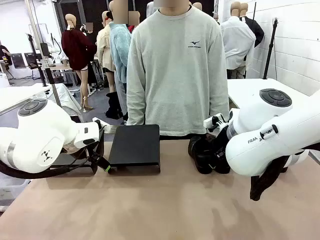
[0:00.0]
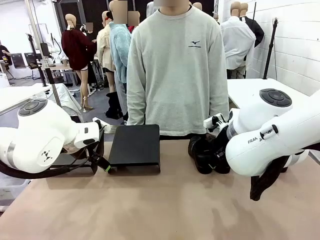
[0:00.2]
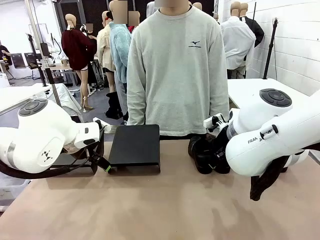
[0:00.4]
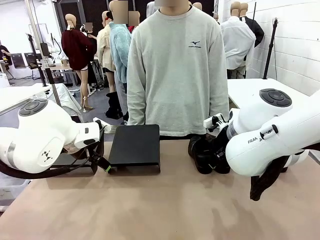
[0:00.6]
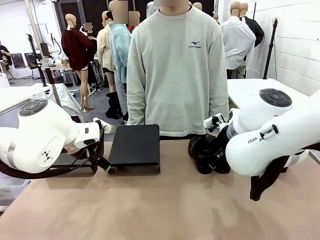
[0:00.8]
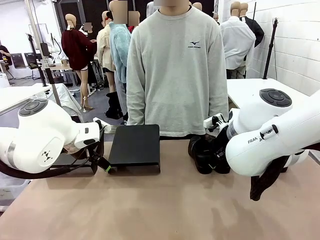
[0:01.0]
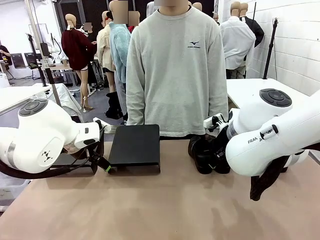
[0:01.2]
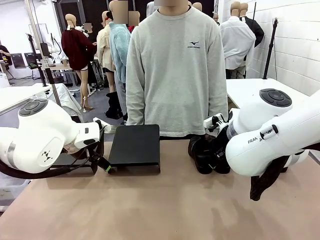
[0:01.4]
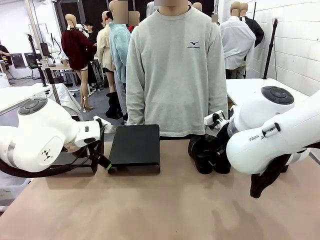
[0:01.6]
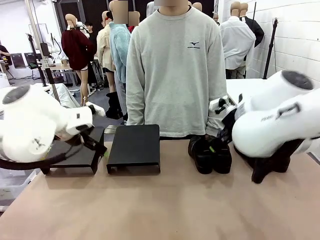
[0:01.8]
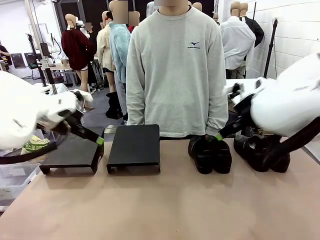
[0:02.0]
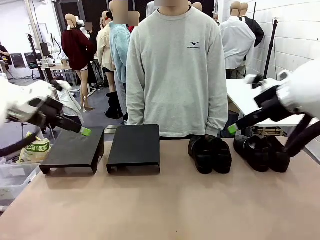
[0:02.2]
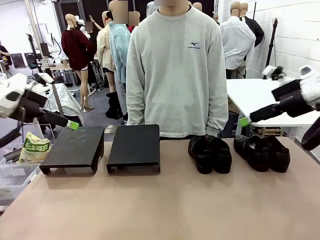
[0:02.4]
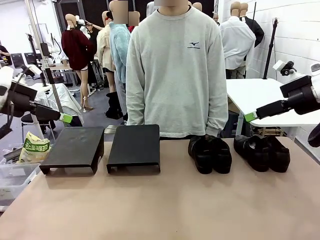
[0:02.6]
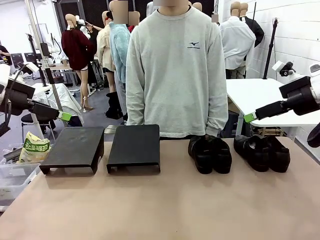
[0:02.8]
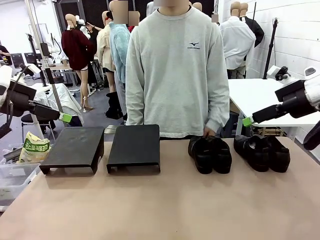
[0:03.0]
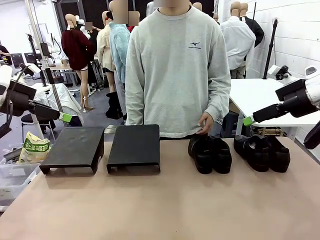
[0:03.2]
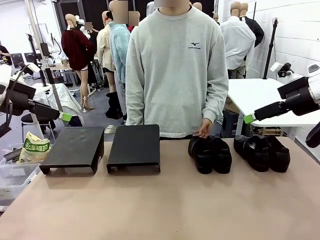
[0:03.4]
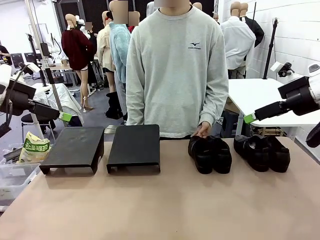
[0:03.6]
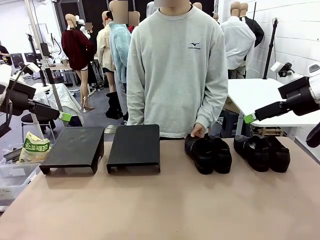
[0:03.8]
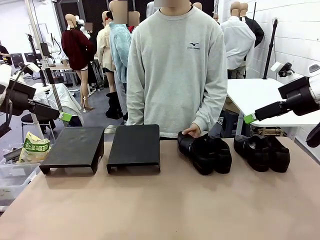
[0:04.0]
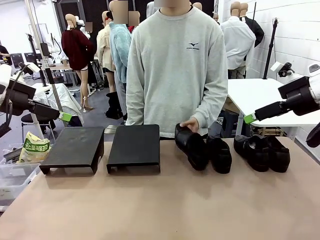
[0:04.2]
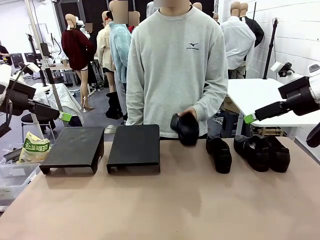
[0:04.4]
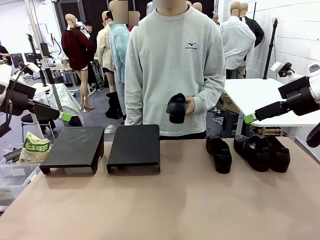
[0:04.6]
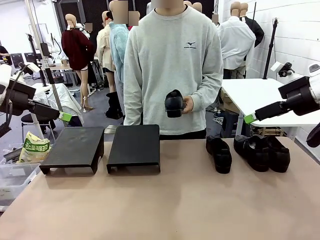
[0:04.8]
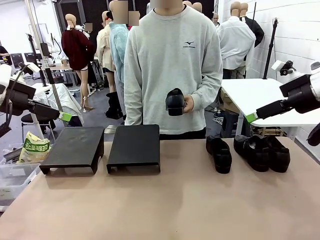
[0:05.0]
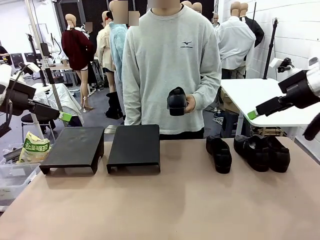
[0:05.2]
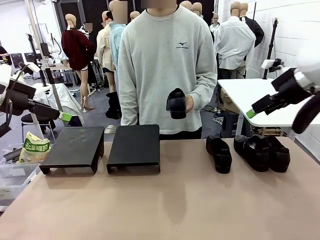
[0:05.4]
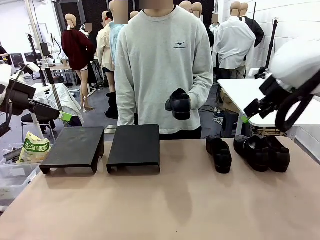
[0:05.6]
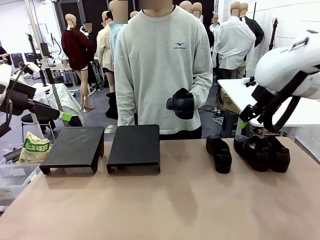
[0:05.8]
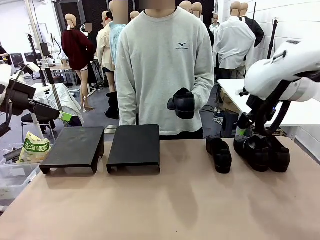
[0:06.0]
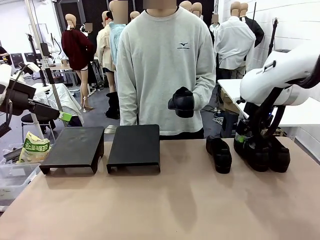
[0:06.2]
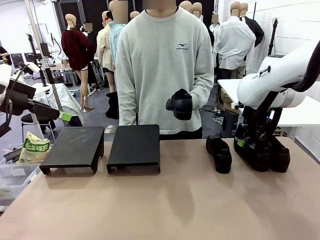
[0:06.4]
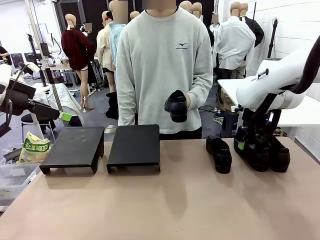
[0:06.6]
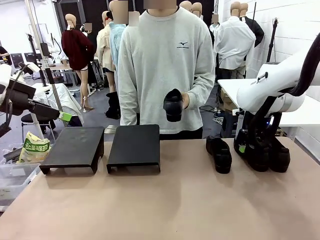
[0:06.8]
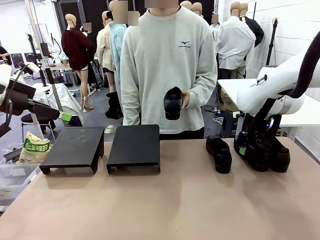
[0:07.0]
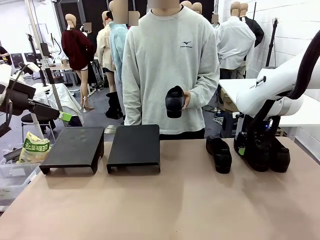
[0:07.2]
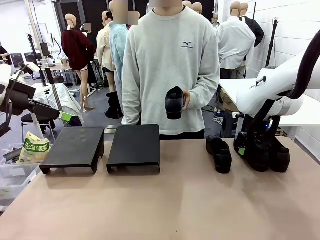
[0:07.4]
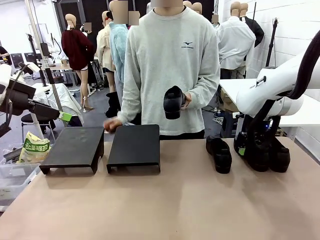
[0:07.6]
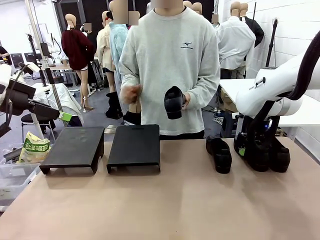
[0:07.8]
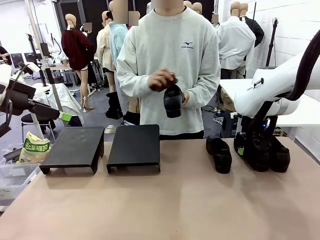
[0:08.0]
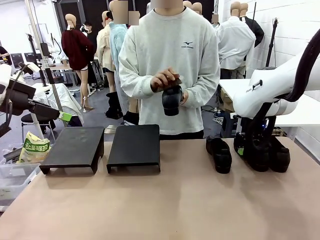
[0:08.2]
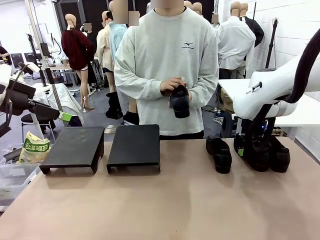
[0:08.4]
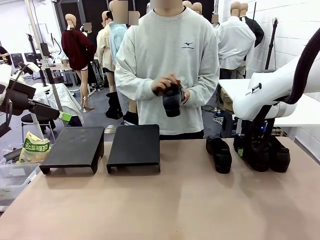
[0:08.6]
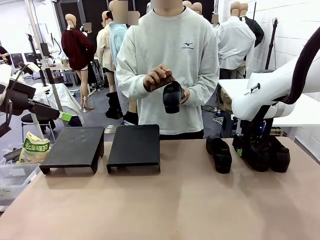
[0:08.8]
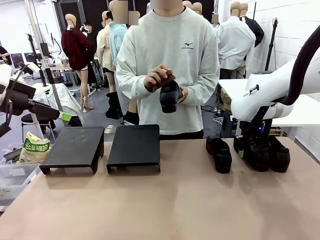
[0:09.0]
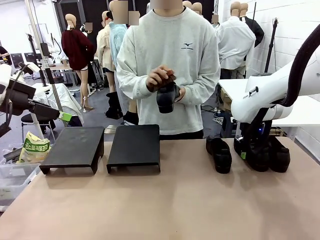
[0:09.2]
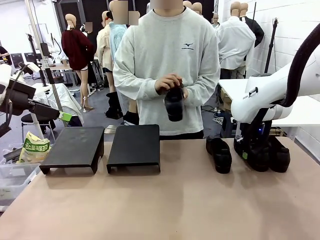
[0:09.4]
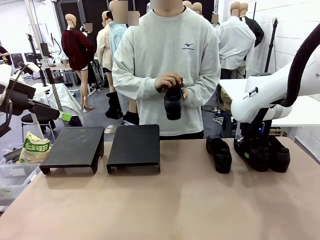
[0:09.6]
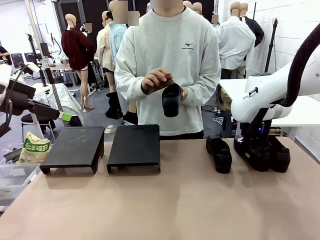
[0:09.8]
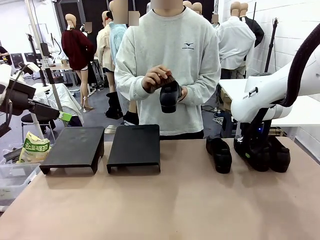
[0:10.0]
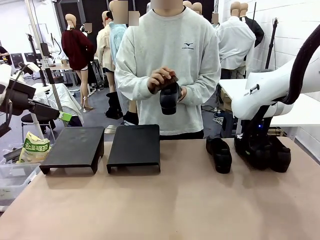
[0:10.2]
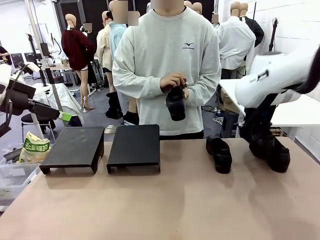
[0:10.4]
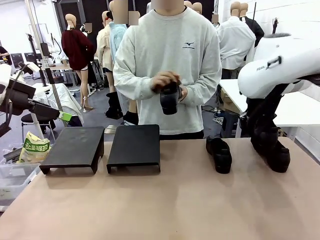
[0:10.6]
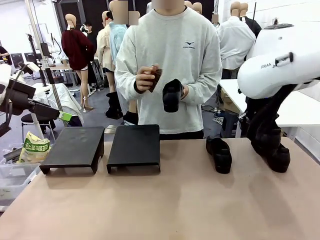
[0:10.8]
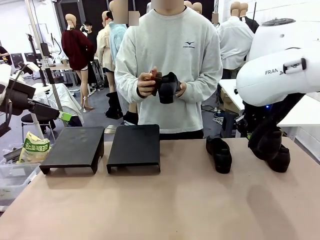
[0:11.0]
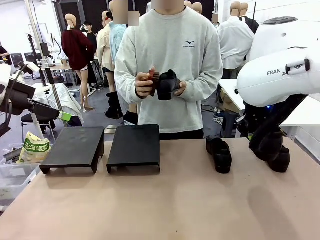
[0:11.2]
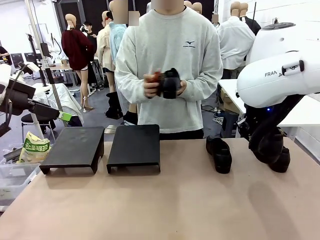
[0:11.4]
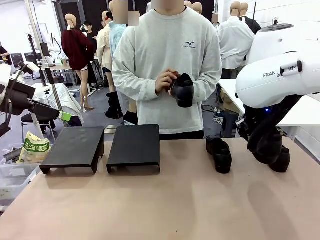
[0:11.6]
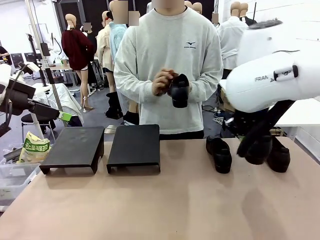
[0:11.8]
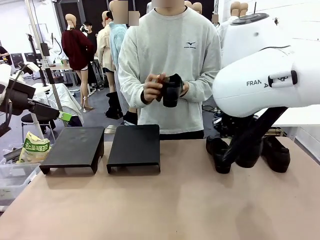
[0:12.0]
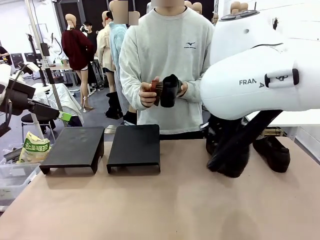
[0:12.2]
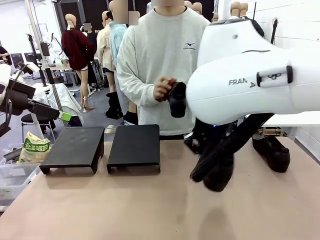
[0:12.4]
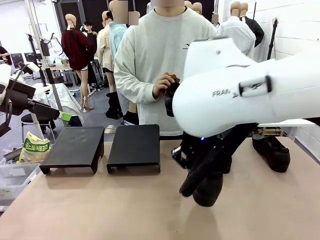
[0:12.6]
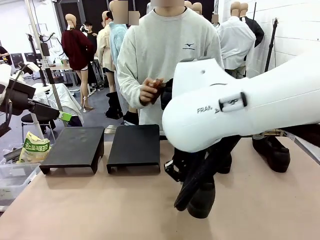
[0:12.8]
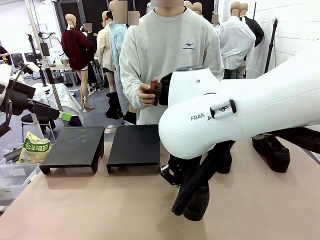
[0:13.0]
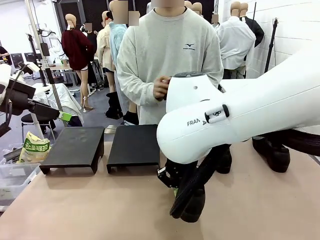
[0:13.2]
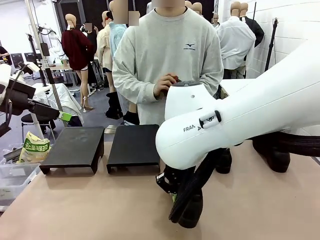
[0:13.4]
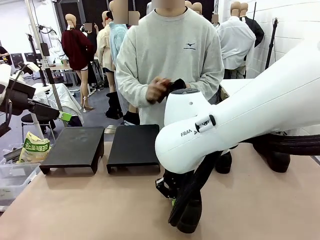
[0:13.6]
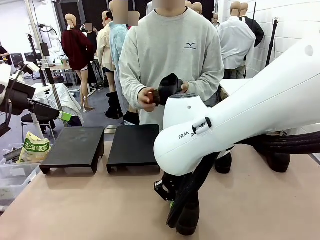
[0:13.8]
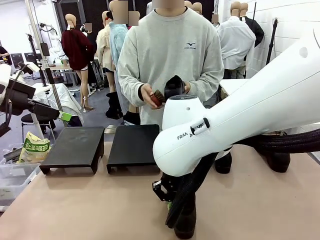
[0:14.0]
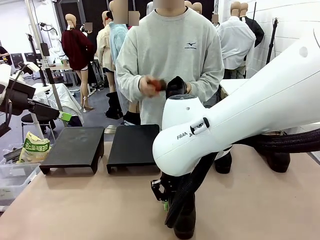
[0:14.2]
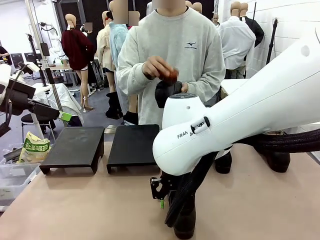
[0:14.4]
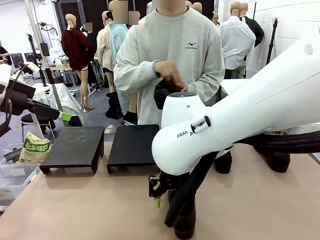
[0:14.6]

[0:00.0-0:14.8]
Task: Organize the shoes by placing them on the stand.
Robot: Pick up one Shoe and place it in the middle of the table.
Person: Pick one Shoe on Robot's table.
